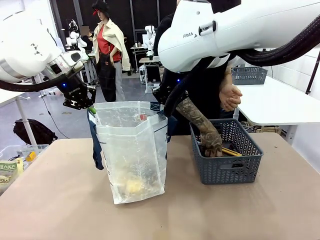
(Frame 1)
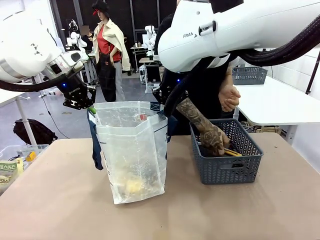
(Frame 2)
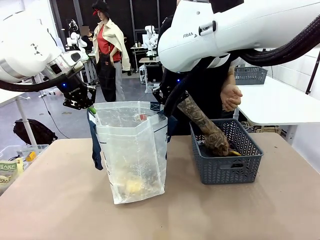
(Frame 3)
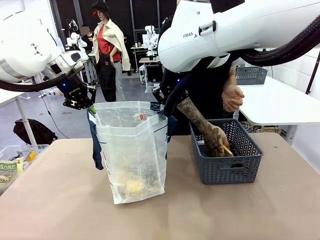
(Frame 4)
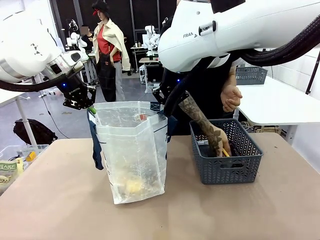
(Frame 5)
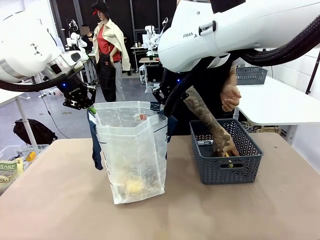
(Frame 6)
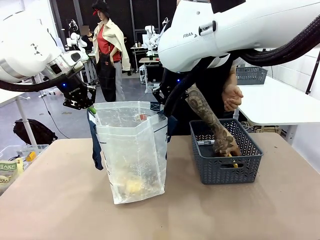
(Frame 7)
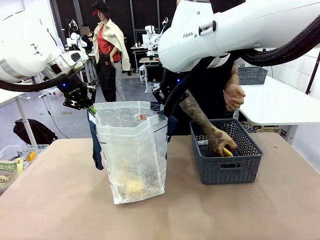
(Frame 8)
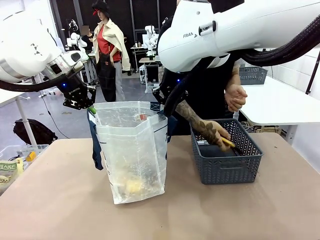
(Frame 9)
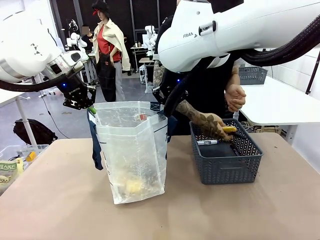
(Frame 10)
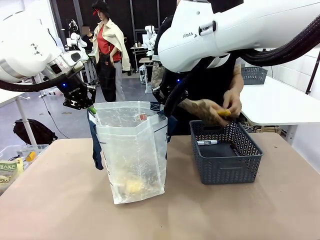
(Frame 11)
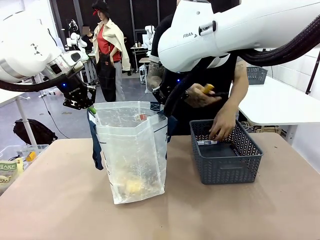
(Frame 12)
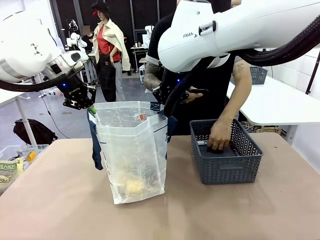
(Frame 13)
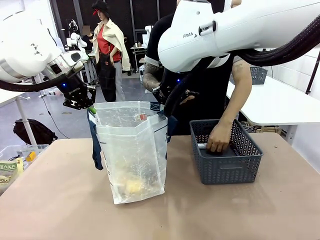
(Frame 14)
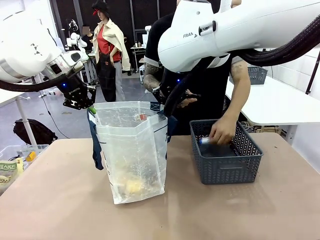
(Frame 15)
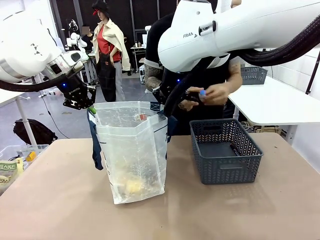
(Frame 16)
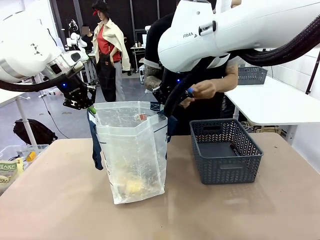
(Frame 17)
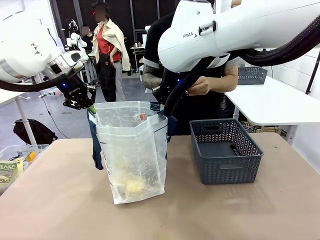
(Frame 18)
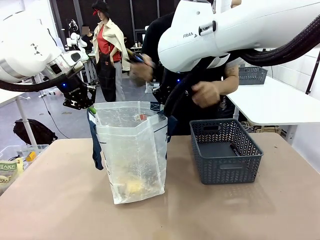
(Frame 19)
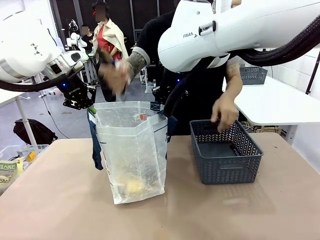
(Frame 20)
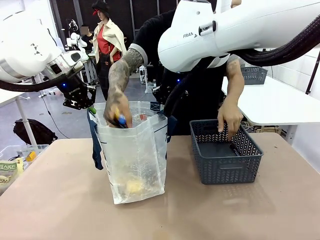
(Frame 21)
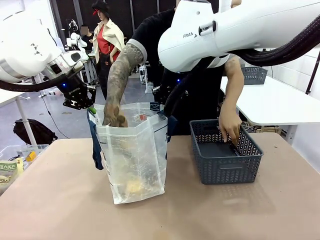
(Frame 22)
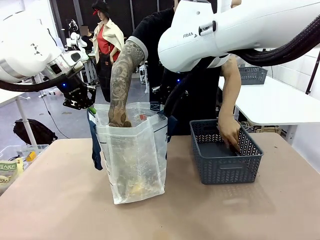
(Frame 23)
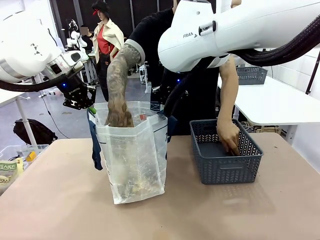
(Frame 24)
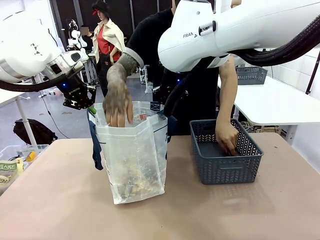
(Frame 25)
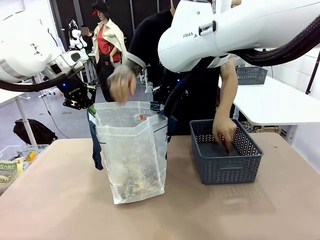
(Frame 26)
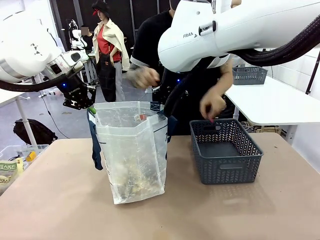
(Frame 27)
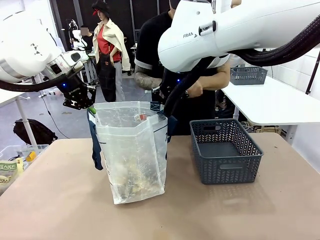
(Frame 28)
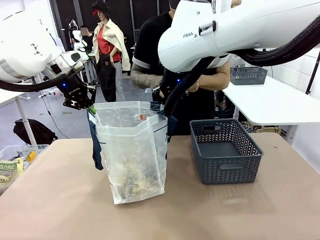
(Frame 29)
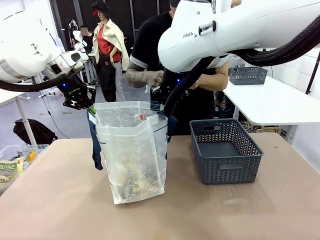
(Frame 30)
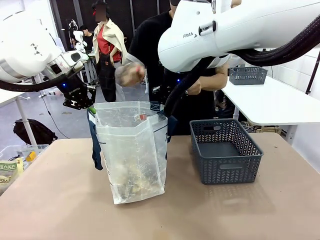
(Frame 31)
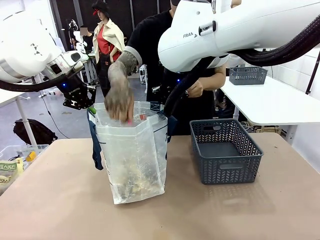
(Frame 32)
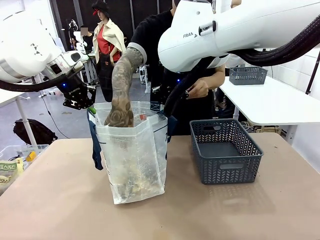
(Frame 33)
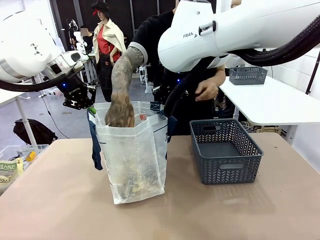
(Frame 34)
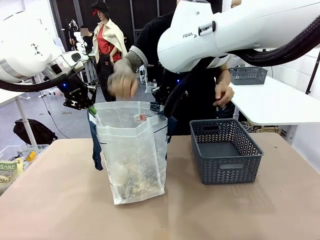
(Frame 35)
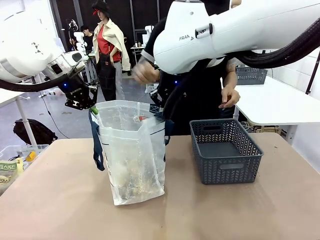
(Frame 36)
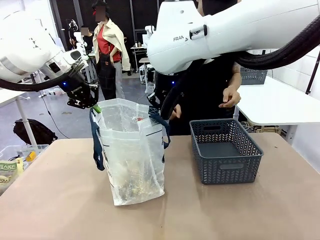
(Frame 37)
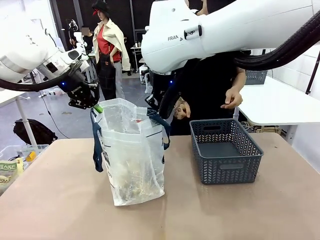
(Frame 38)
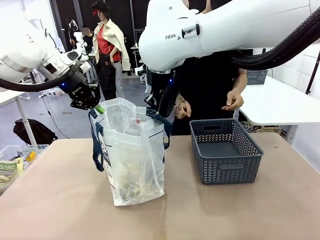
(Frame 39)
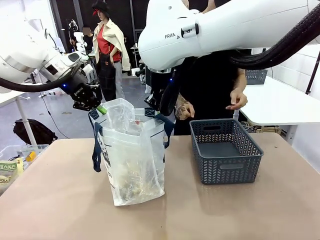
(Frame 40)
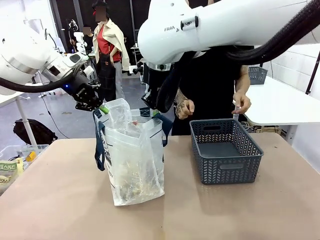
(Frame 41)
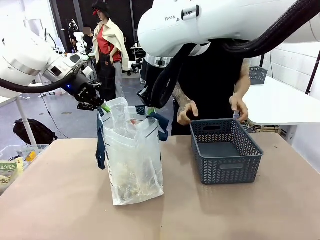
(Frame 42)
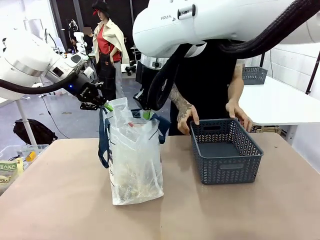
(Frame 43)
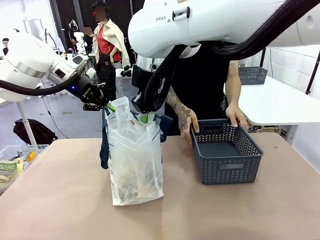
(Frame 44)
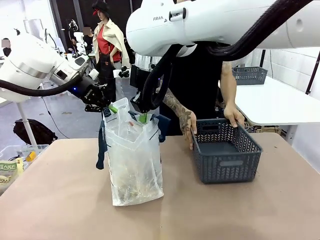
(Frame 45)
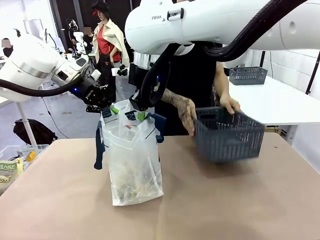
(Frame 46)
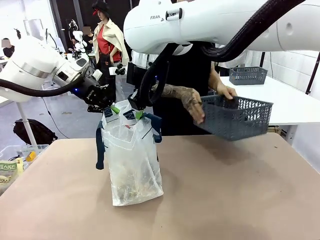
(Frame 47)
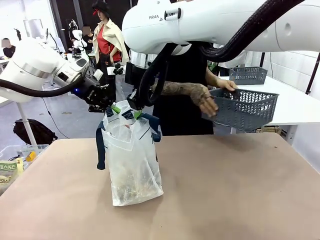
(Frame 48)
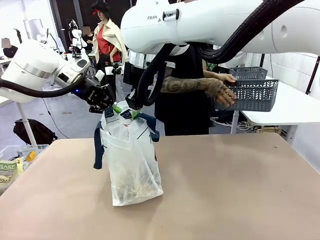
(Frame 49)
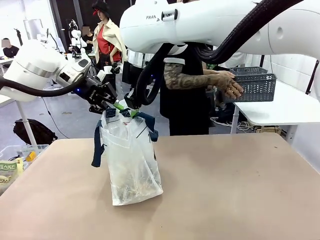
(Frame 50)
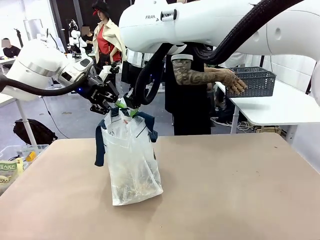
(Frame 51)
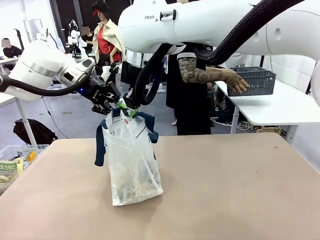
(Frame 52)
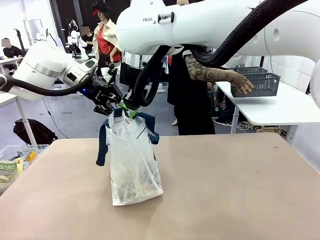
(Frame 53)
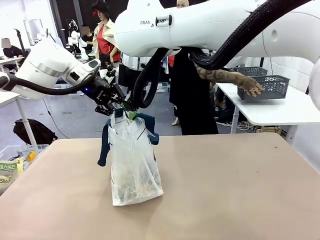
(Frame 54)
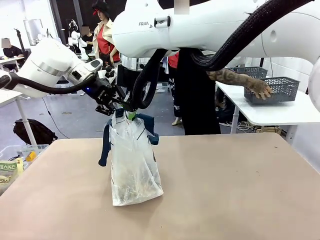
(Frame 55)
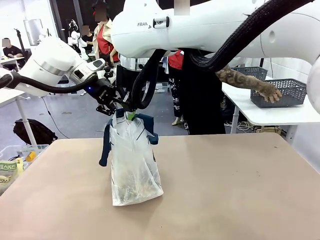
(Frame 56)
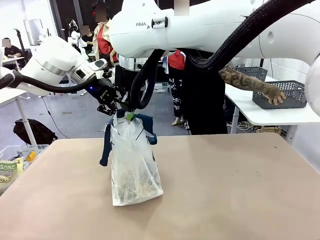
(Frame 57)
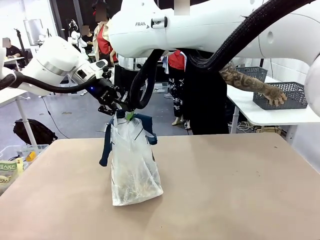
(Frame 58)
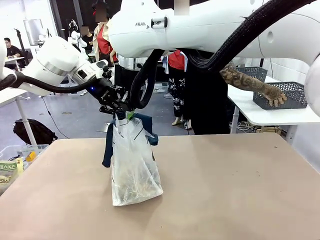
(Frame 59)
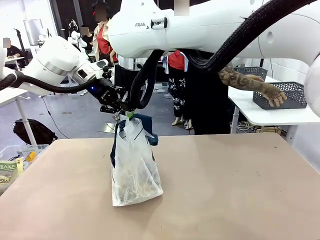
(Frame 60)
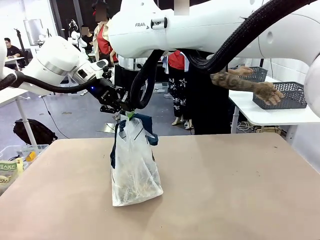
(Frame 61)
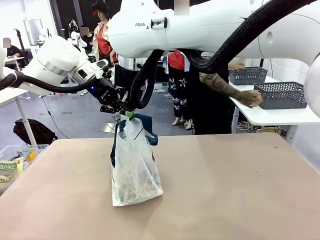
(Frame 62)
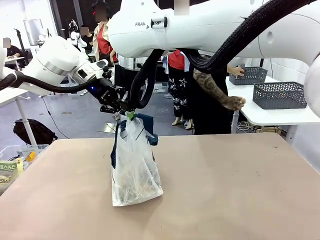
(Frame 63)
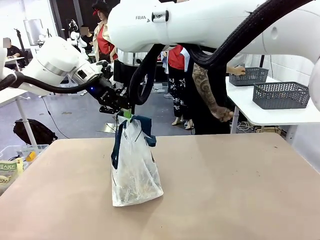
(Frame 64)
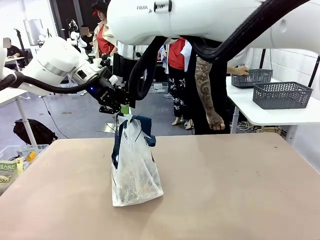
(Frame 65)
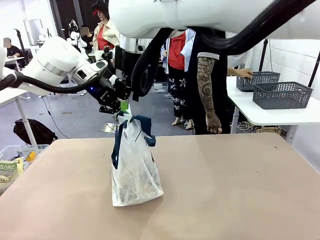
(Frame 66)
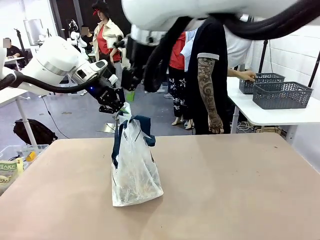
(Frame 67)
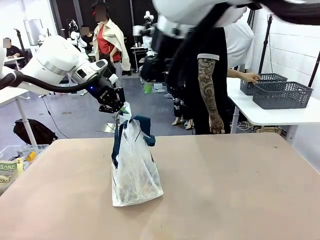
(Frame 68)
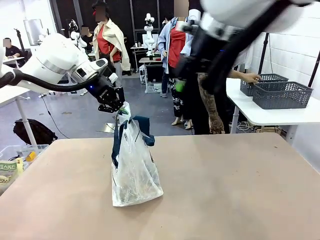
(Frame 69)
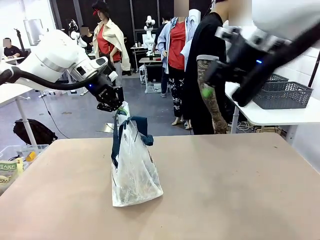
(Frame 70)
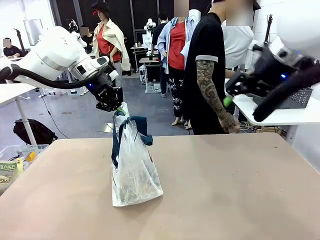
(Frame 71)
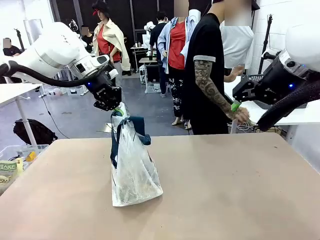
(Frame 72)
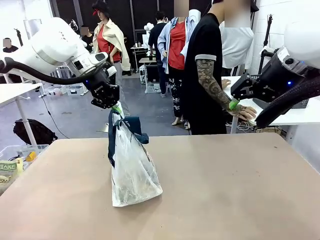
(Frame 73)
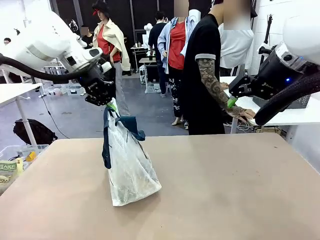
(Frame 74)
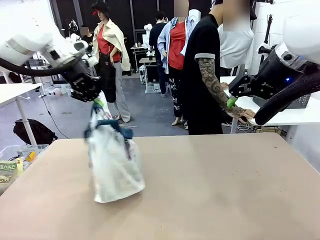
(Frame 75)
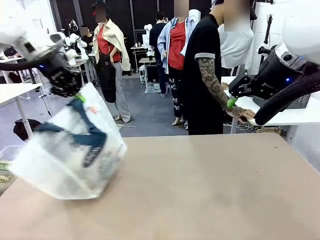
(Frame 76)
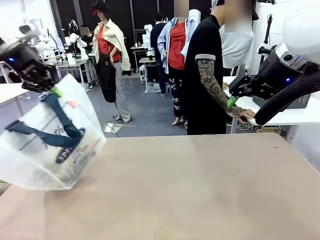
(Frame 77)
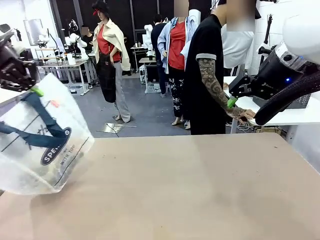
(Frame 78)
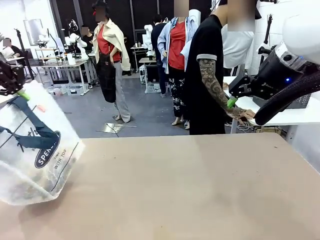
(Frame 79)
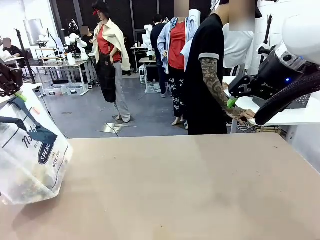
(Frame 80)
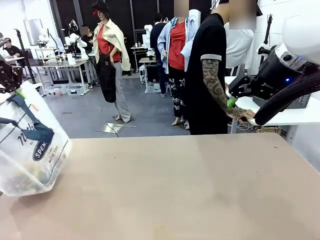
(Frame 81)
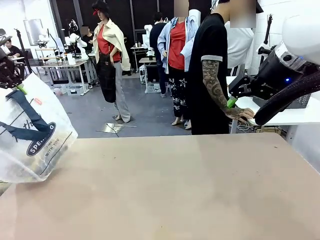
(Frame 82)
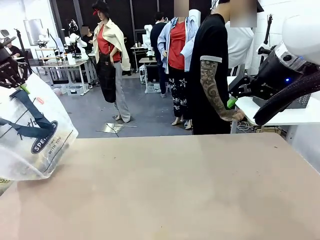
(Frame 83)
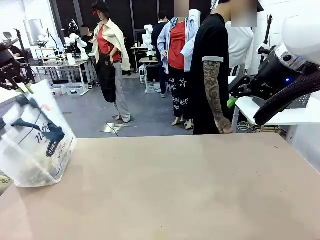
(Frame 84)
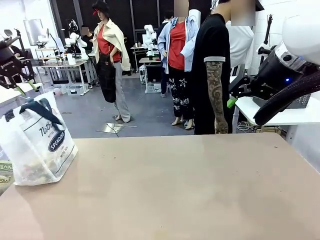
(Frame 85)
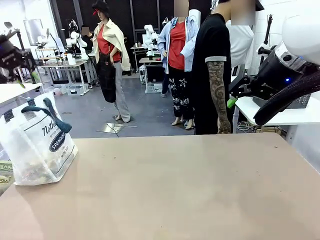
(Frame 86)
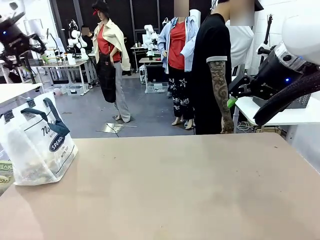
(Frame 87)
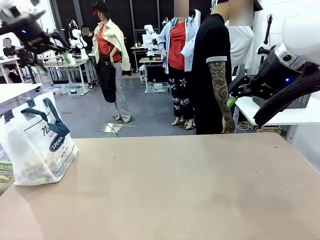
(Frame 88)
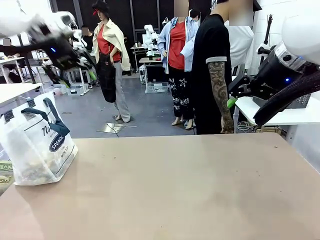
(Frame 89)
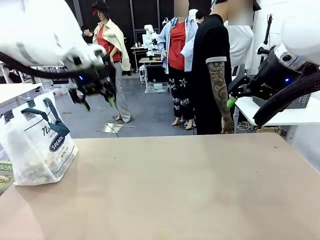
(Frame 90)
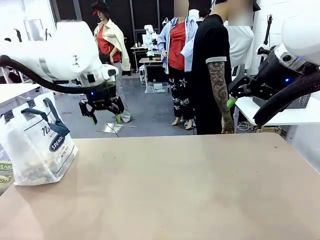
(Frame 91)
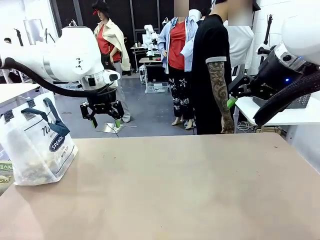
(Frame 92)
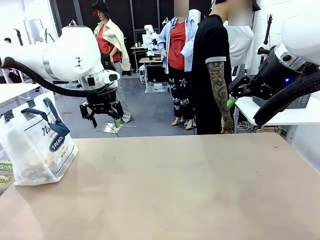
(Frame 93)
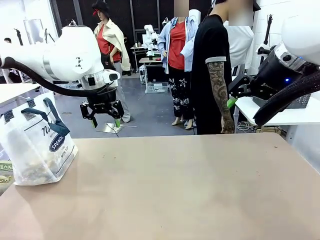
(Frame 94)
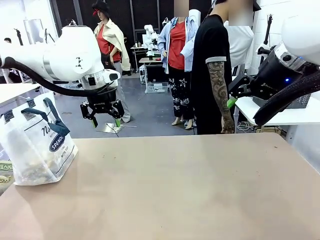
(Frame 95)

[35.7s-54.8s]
Task: Transfer purchased items from the store into the shopping bag.
Robot: Move the Reusable shopping bag to the right side of the table.
Person: Move the basket on the left to the middle of the person's table.
